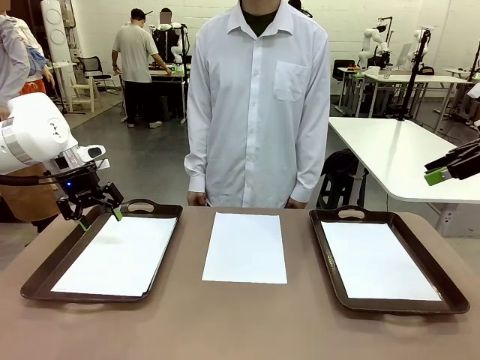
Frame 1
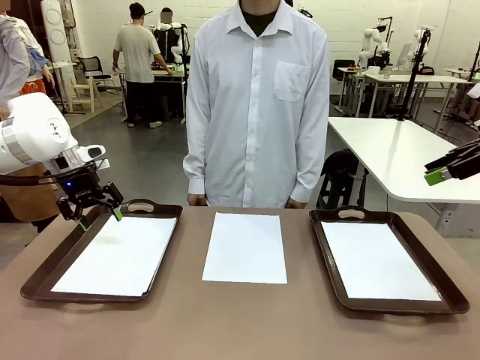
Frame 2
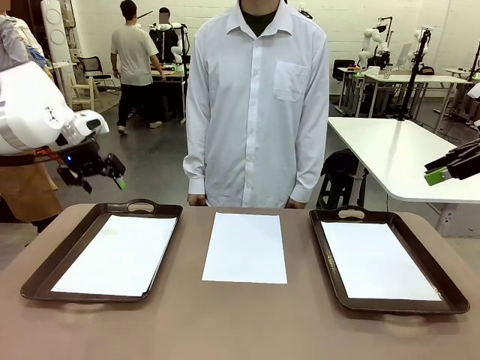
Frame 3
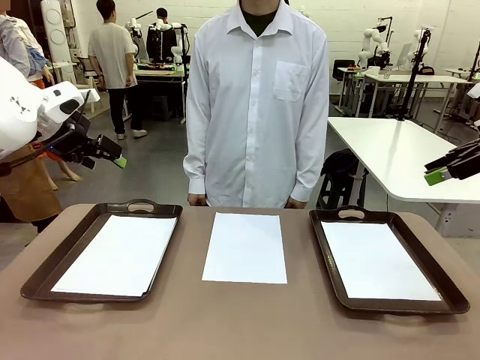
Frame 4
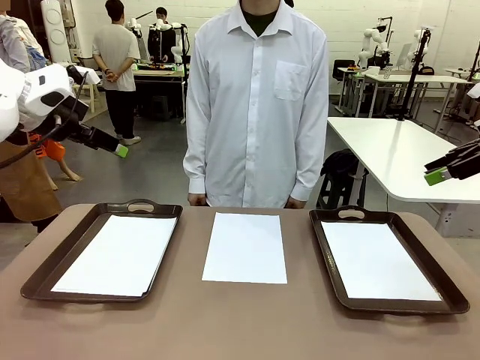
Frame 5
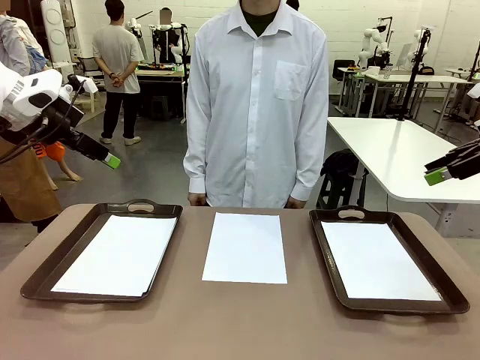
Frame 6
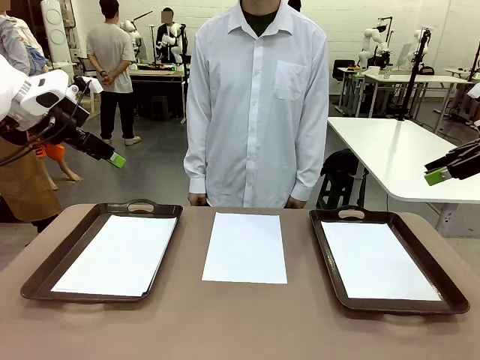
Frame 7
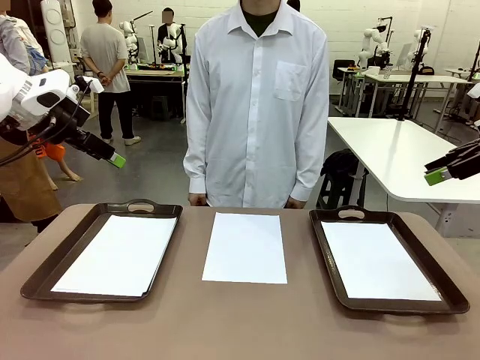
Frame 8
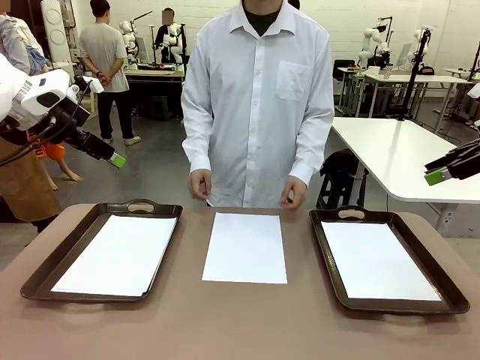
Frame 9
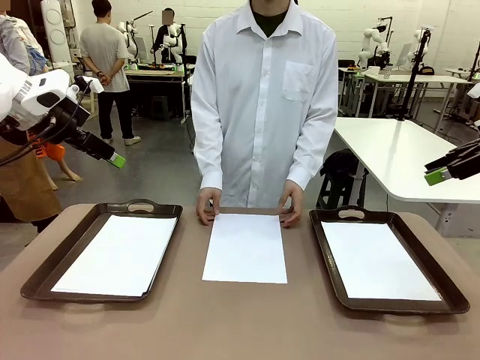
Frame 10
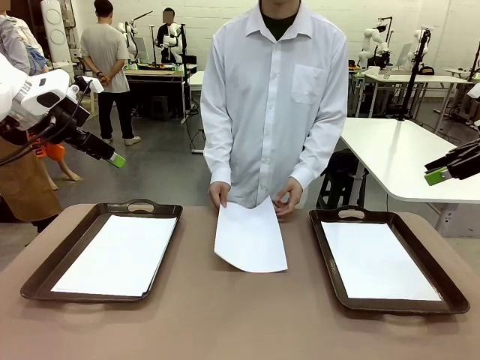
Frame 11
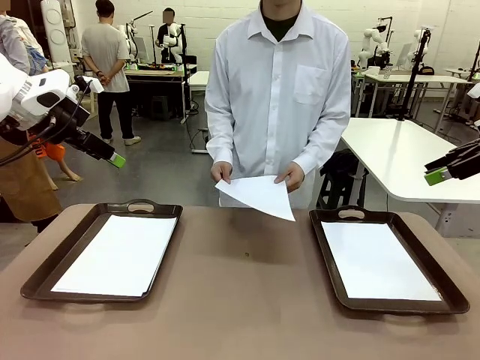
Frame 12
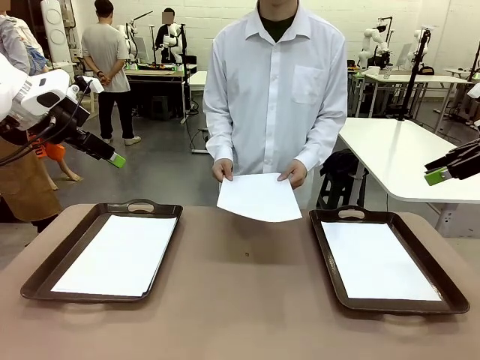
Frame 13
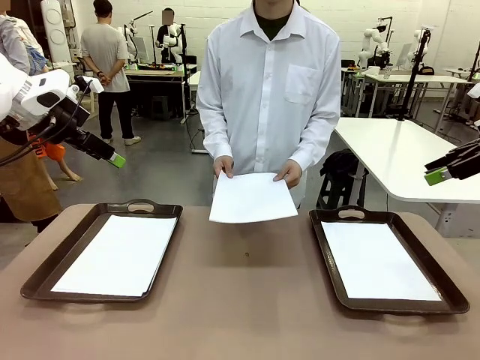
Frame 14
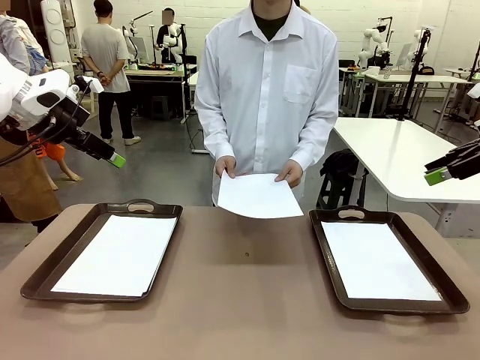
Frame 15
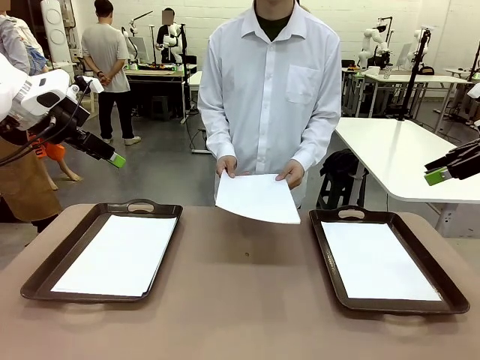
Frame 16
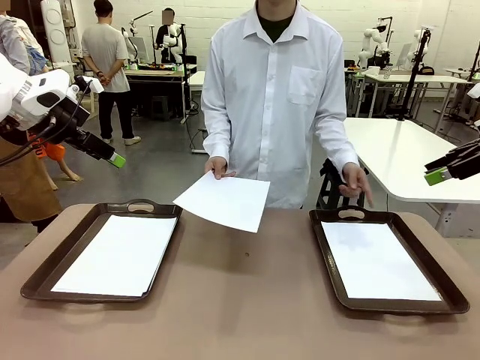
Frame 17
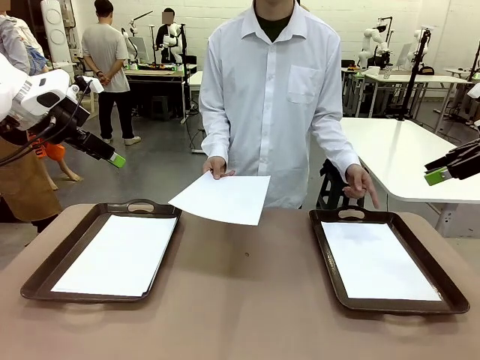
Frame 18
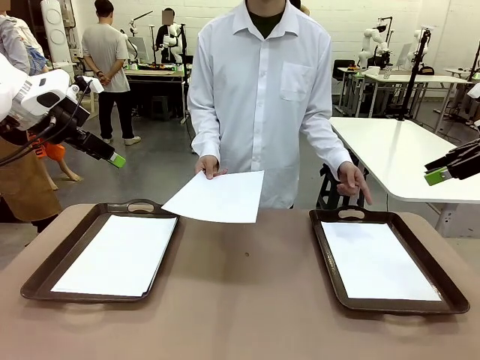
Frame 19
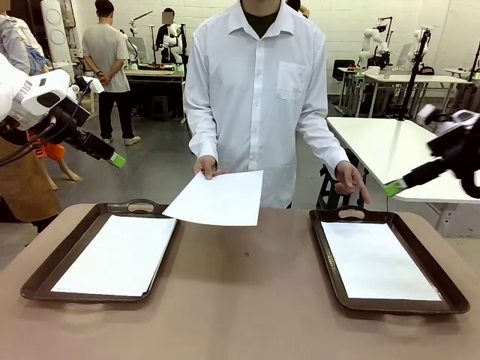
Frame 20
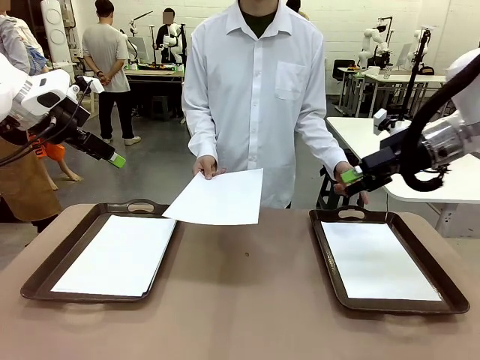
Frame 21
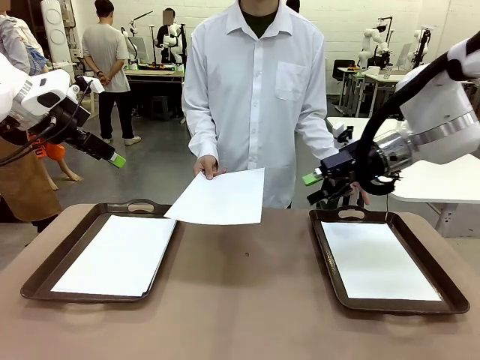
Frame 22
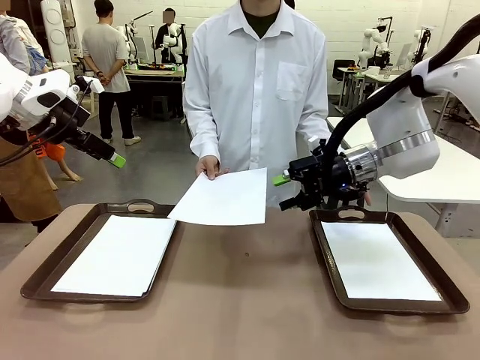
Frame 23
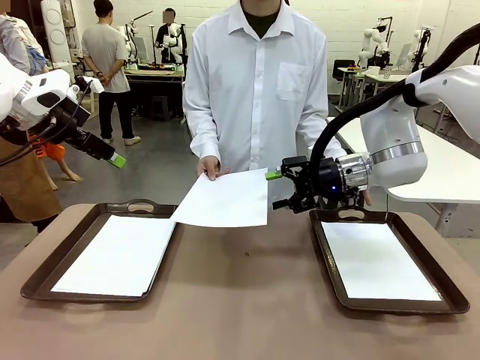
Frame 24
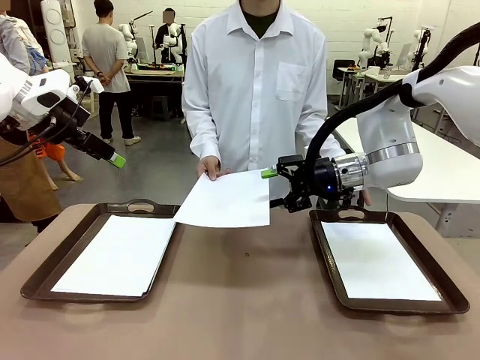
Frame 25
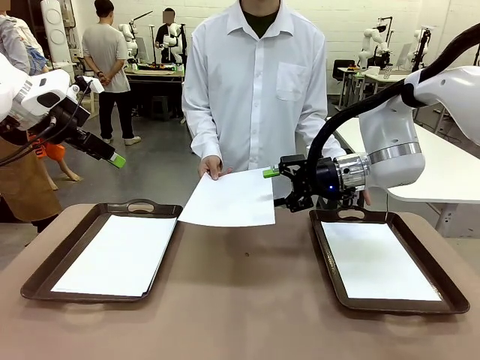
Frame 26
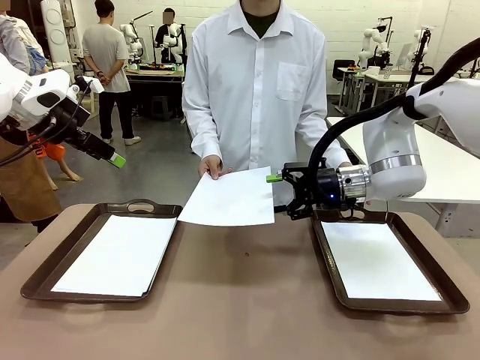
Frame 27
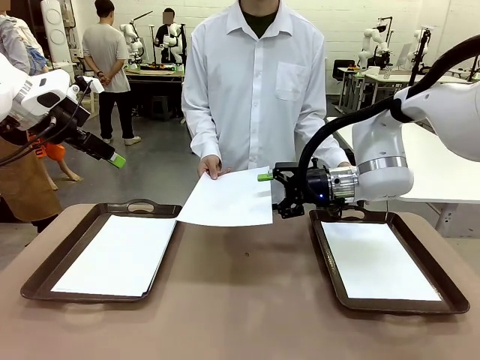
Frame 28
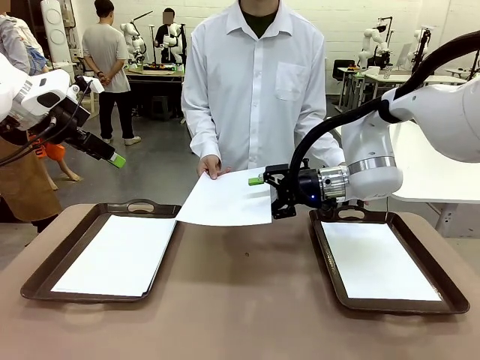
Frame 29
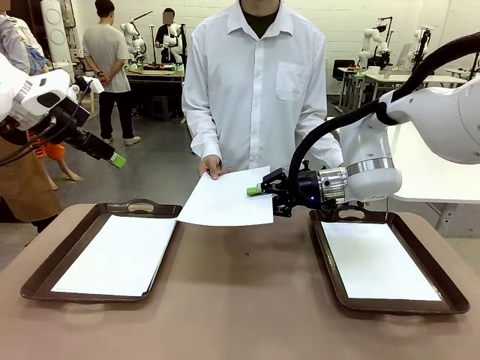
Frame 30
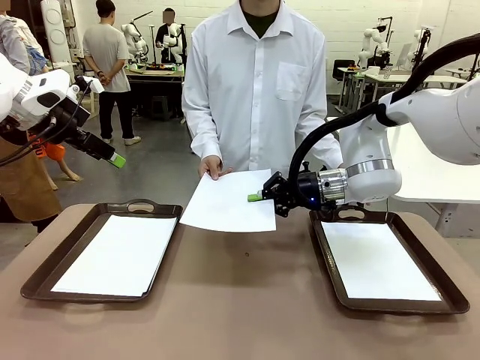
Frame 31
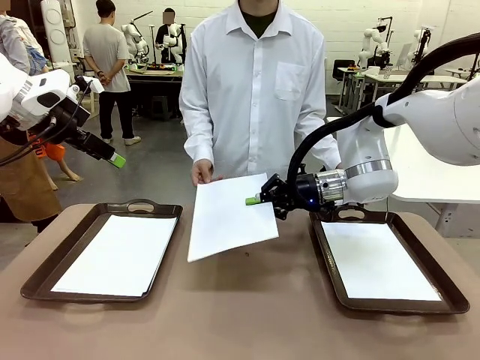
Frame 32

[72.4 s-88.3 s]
Task: Sort the A4 documents.
Robot: Receive the A4 Paper.

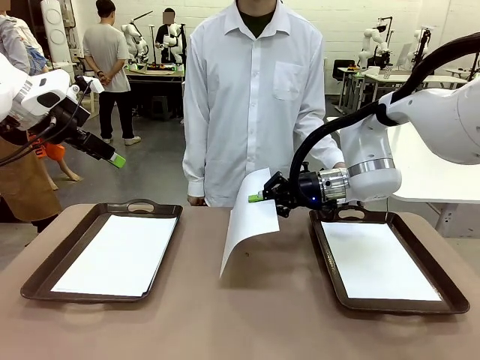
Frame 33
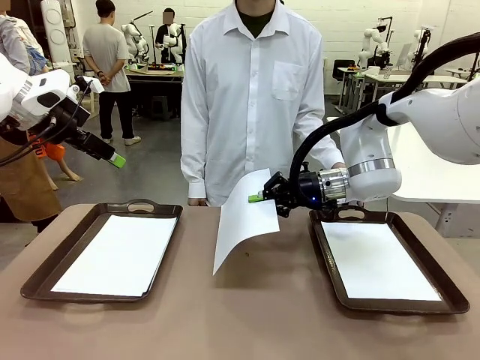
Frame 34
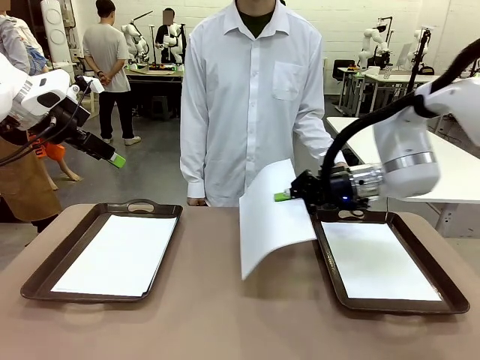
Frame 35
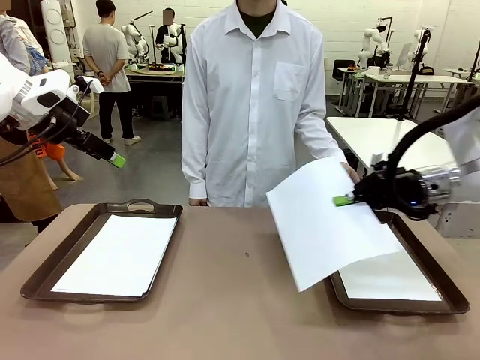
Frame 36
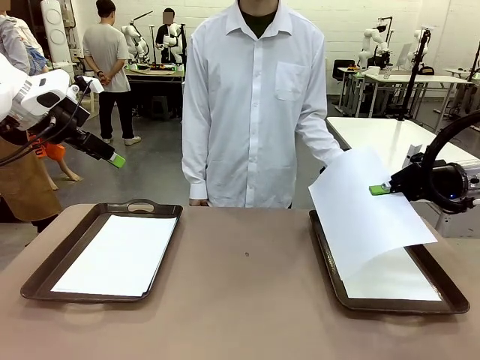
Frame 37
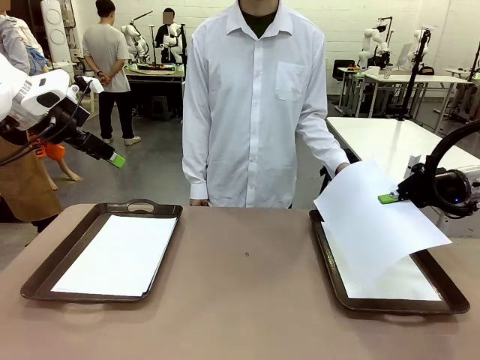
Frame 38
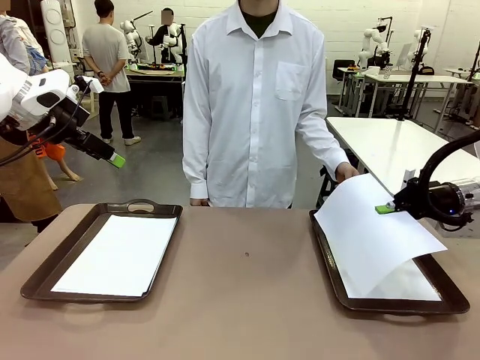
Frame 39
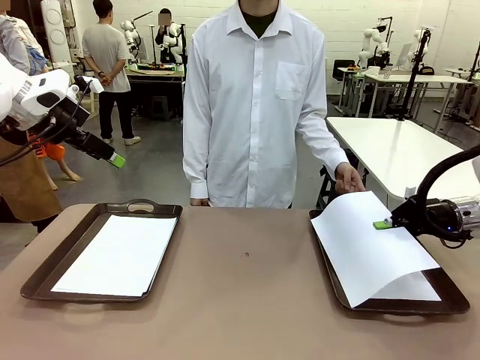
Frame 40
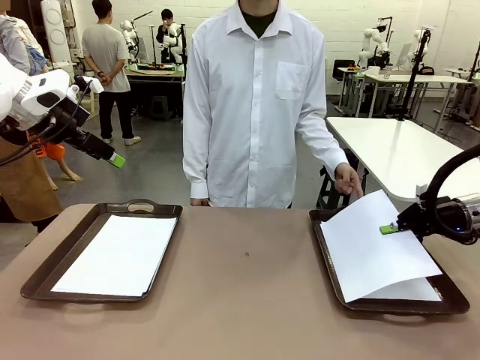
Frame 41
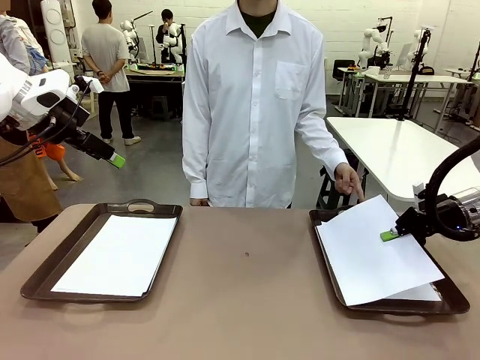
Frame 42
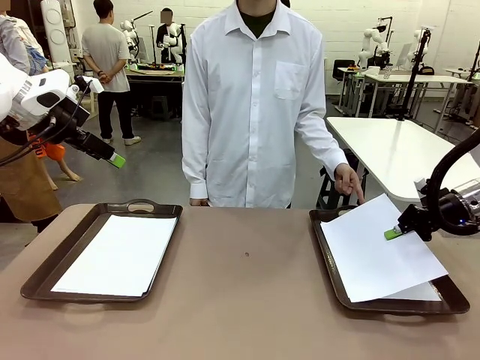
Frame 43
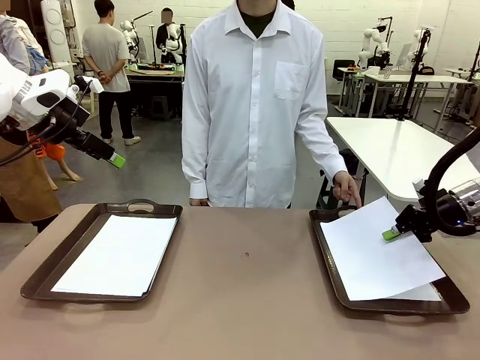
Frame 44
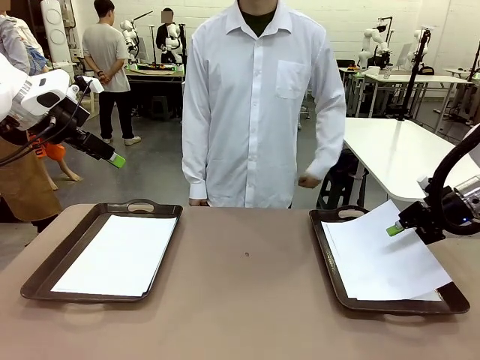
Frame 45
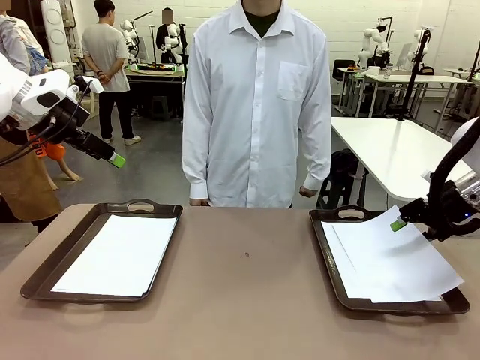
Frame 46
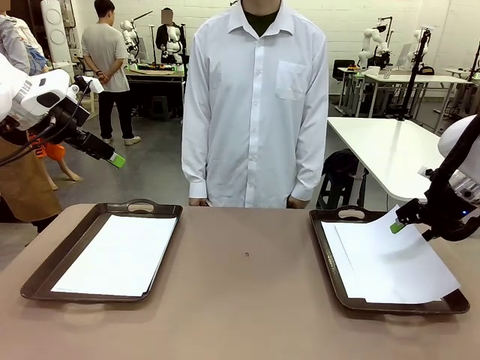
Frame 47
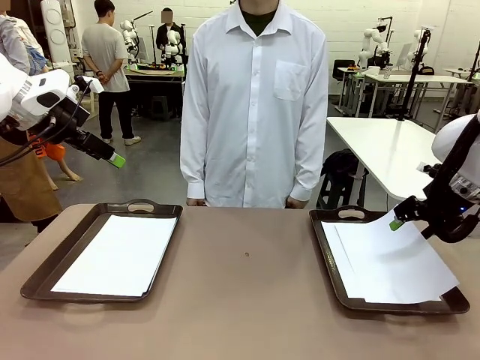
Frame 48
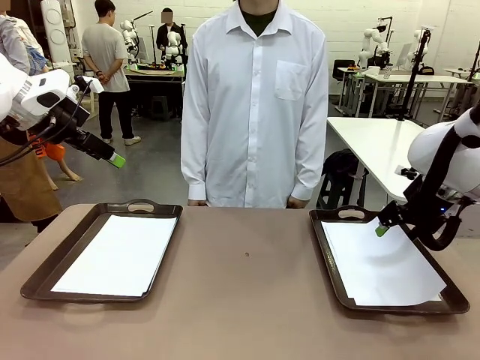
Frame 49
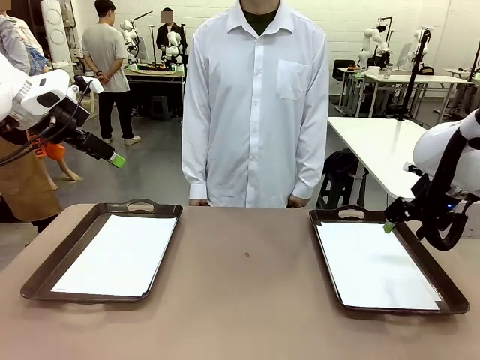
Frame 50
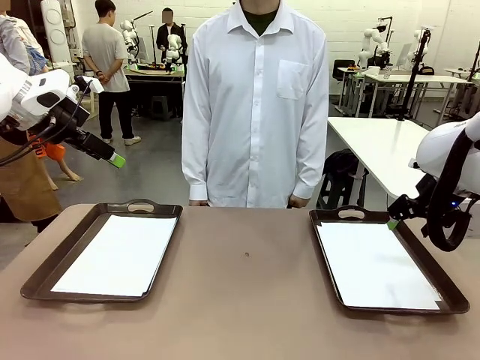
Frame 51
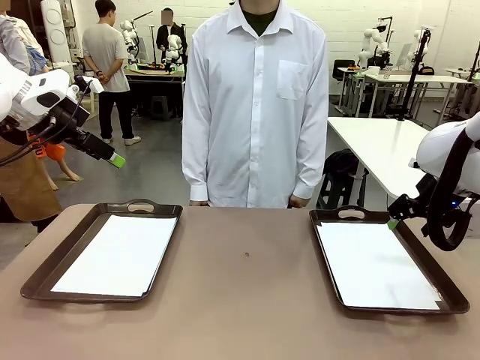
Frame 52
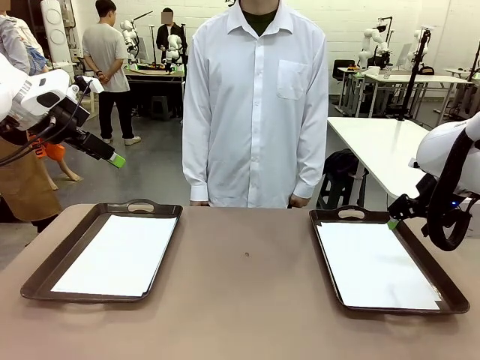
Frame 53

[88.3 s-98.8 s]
Robot: Place the A4 Paper in the designated Handle tray.
Person: Point the randomly selected tray with the other hand.
